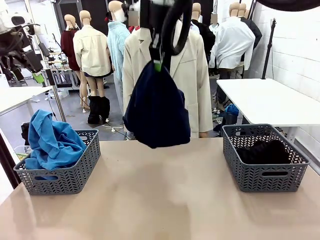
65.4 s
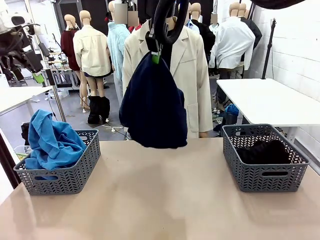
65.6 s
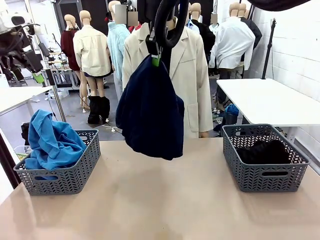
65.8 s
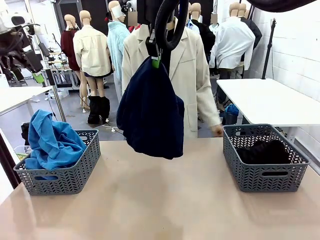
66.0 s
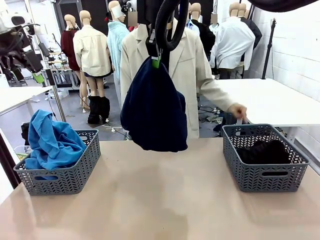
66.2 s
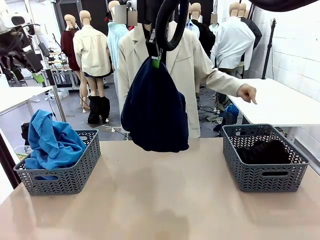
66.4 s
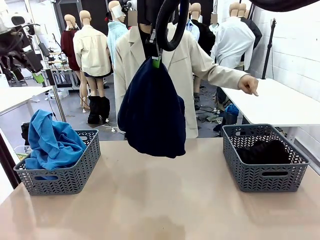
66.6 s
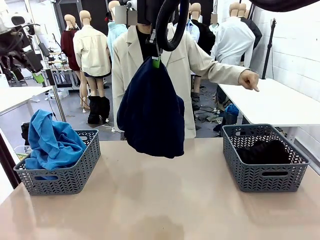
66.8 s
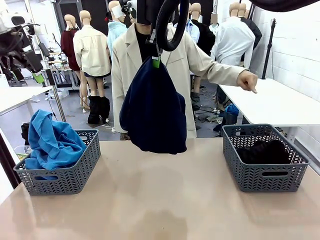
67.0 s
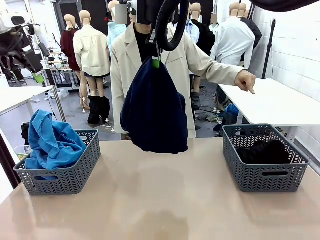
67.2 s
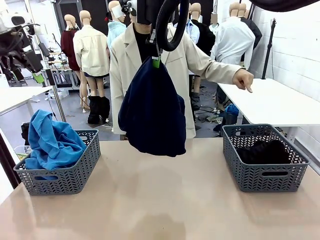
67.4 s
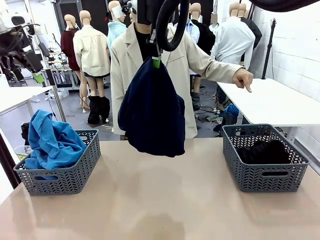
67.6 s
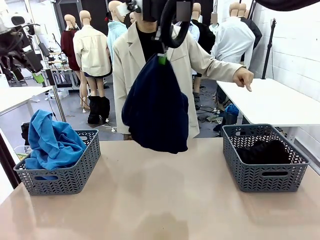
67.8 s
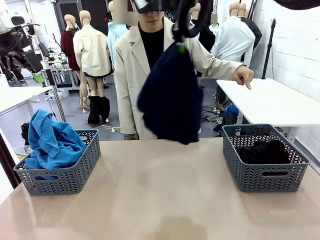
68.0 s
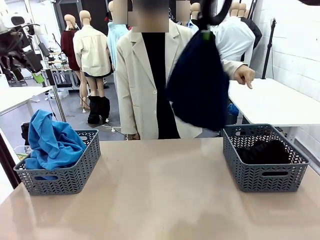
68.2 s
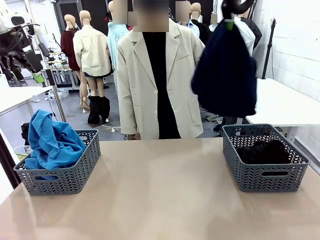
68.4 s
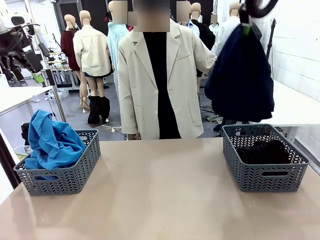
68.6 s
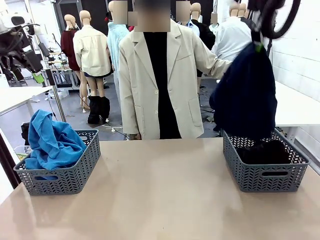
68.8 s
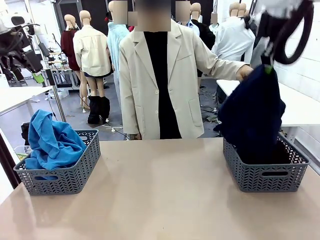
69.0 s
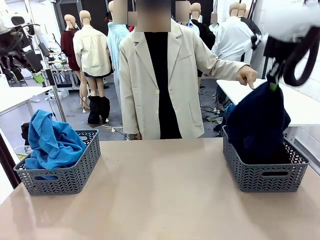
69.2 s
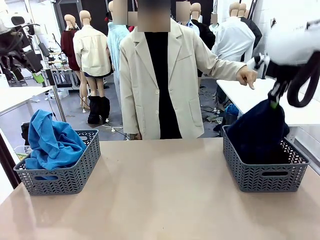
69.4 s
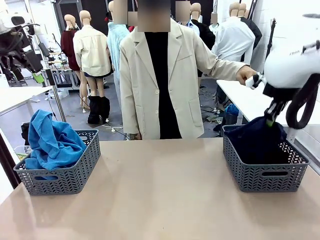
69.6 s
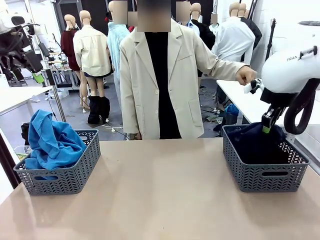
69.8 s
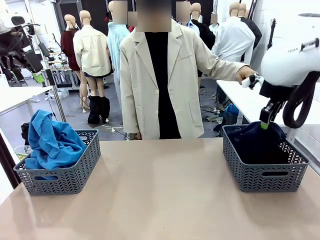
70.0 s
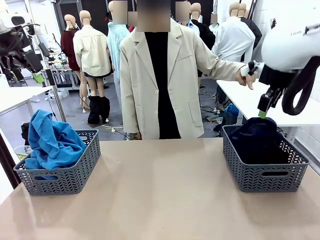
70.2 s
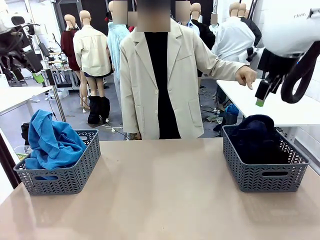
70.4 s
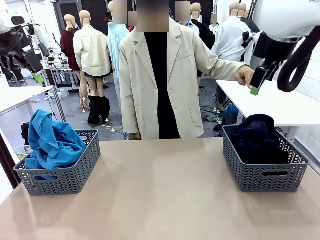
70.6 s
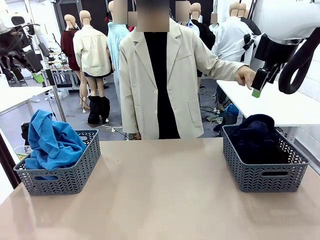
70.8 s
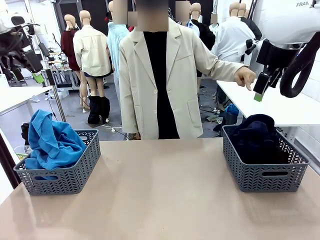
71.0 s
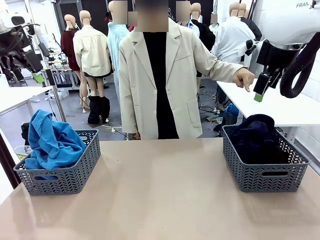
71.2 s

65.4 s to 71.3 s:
Task: Sort the tops and bottoms.
Robot: Sort the clothes according to human instructions.

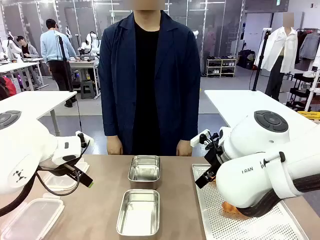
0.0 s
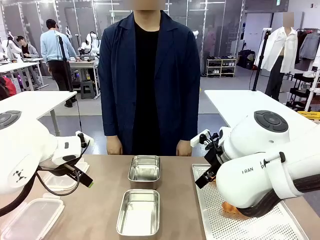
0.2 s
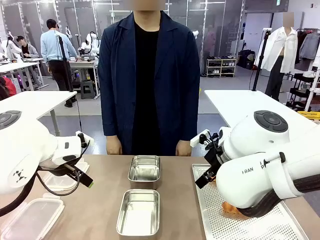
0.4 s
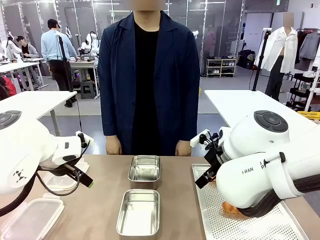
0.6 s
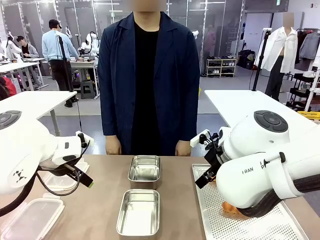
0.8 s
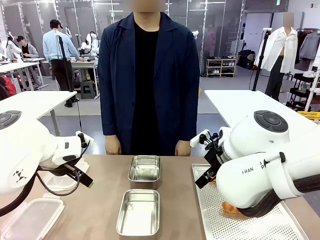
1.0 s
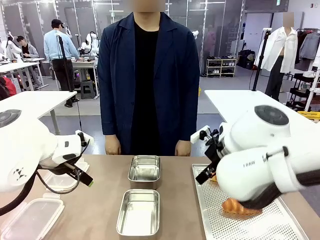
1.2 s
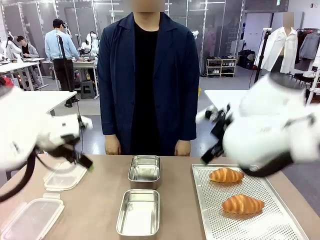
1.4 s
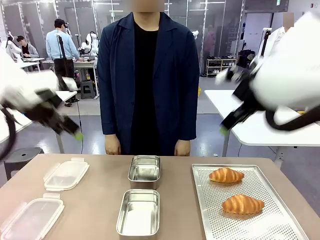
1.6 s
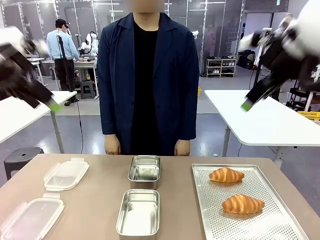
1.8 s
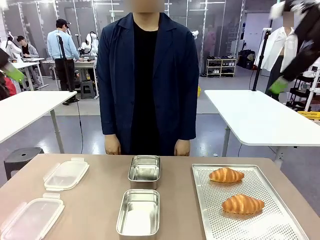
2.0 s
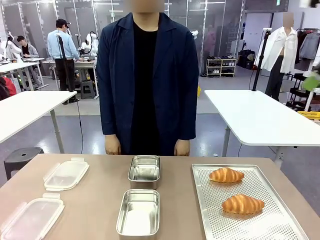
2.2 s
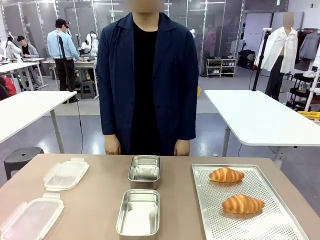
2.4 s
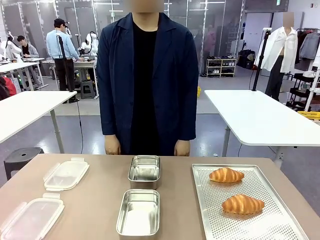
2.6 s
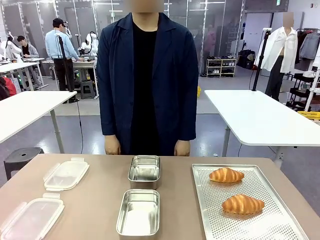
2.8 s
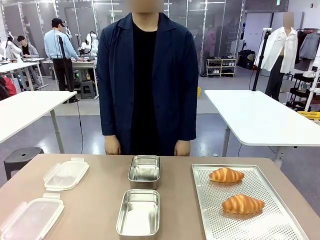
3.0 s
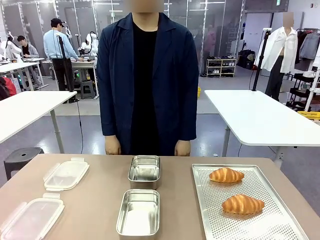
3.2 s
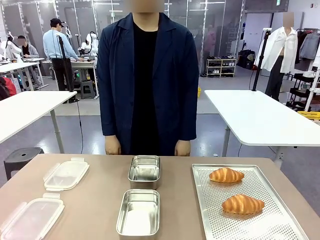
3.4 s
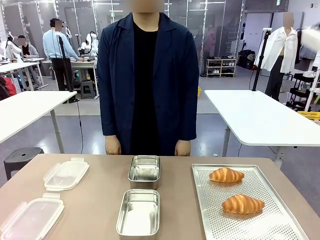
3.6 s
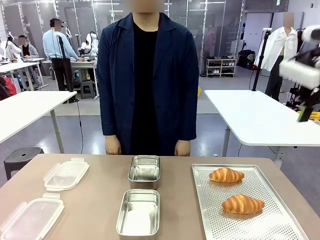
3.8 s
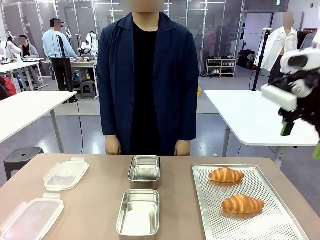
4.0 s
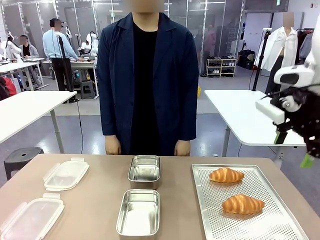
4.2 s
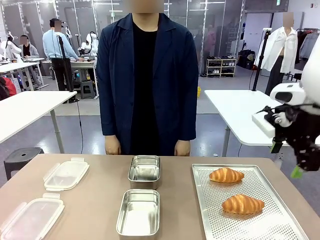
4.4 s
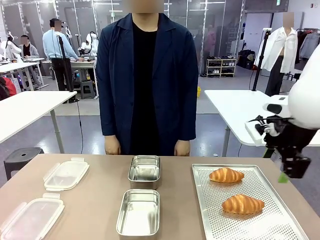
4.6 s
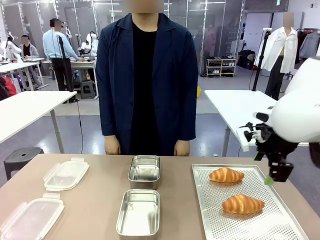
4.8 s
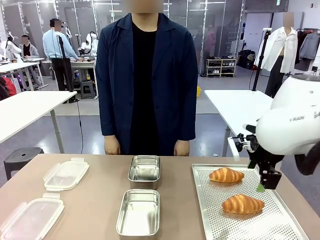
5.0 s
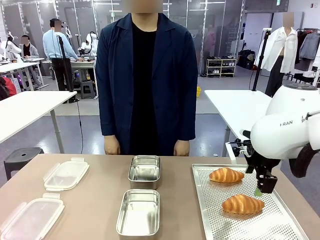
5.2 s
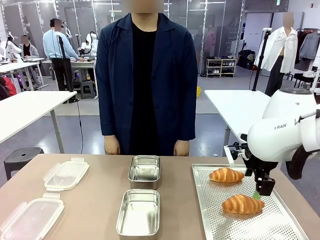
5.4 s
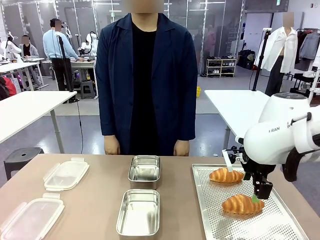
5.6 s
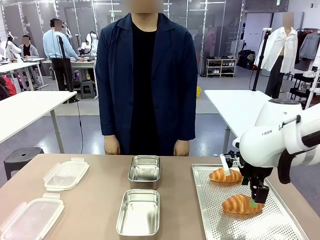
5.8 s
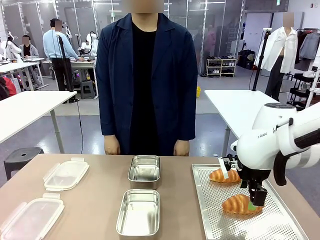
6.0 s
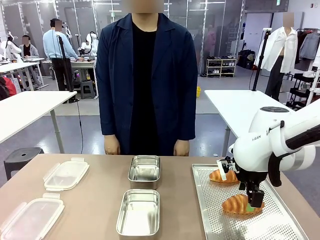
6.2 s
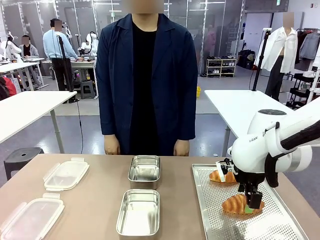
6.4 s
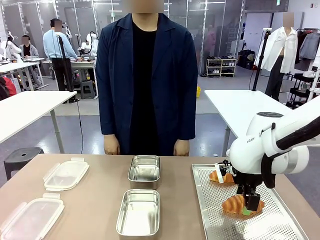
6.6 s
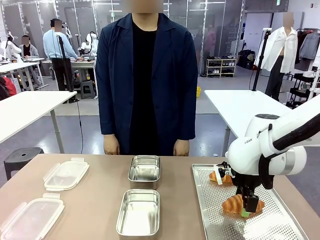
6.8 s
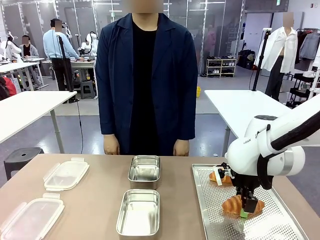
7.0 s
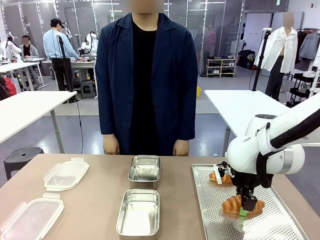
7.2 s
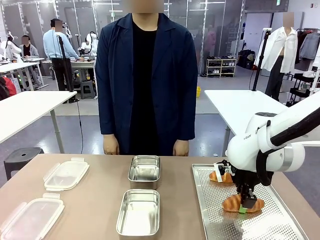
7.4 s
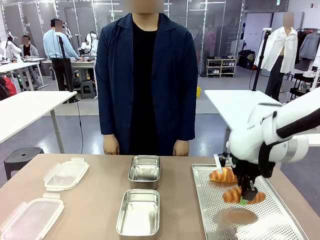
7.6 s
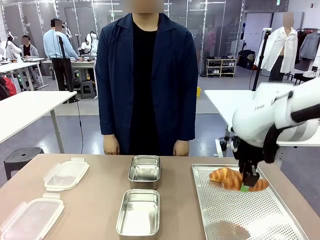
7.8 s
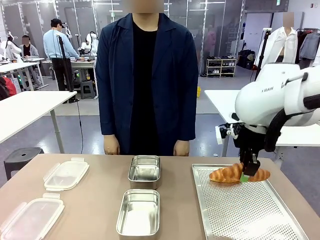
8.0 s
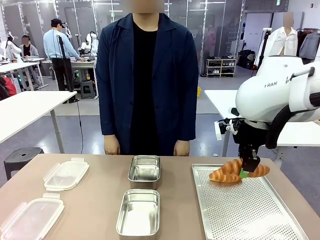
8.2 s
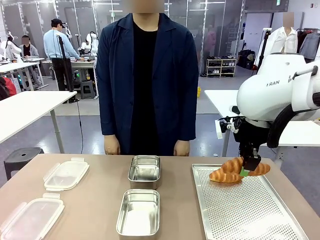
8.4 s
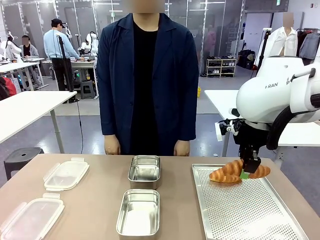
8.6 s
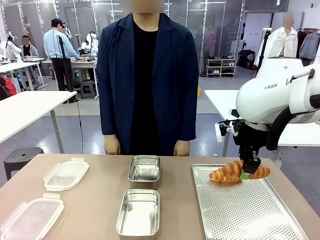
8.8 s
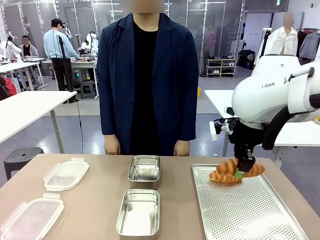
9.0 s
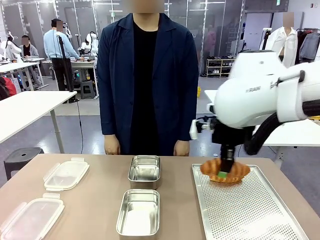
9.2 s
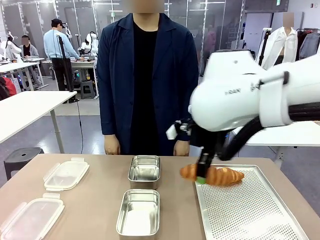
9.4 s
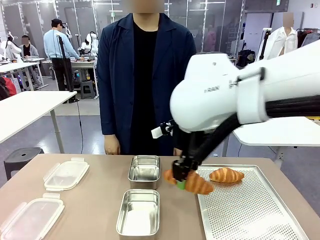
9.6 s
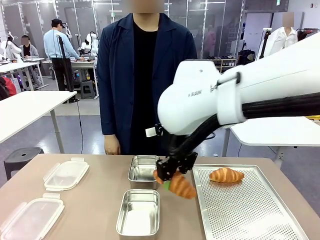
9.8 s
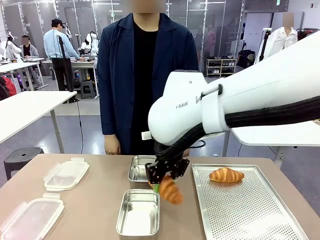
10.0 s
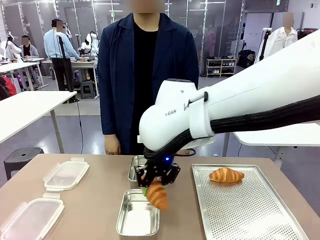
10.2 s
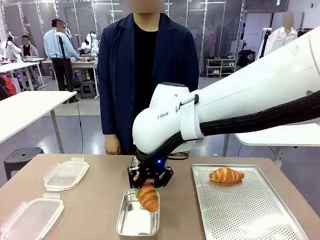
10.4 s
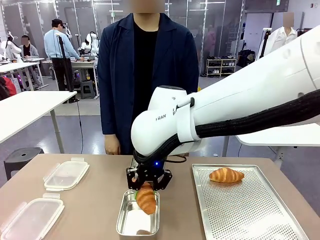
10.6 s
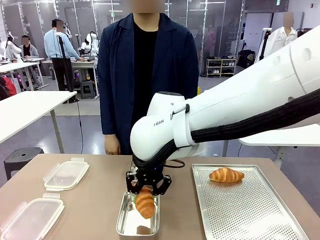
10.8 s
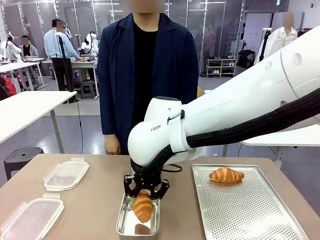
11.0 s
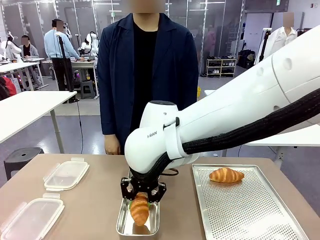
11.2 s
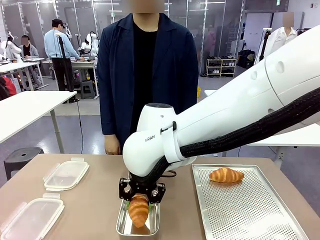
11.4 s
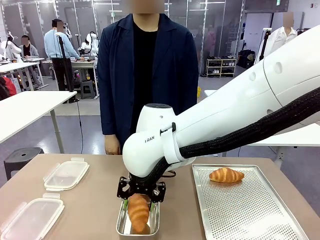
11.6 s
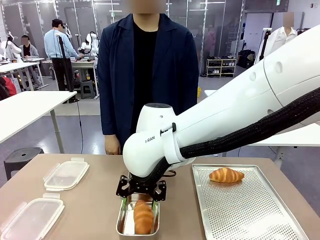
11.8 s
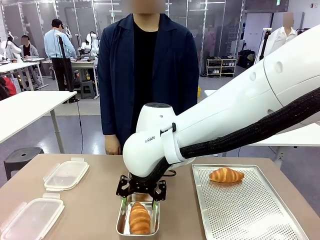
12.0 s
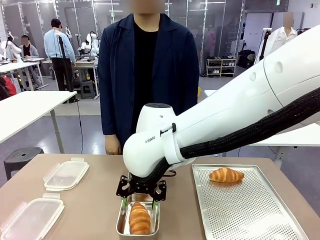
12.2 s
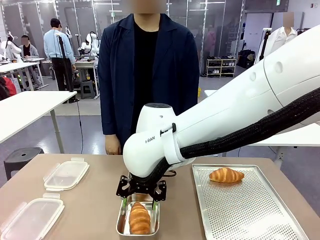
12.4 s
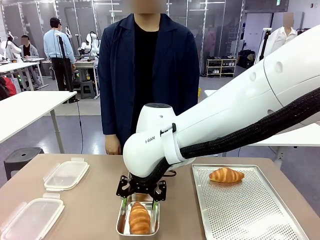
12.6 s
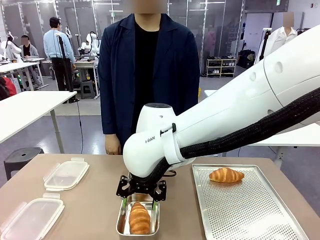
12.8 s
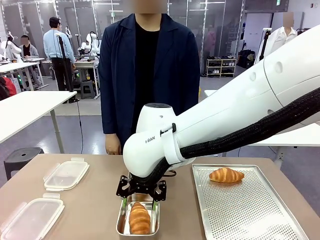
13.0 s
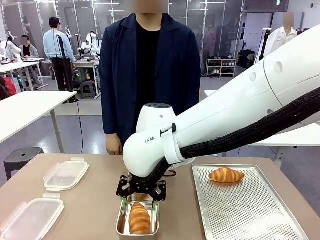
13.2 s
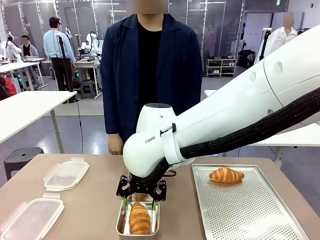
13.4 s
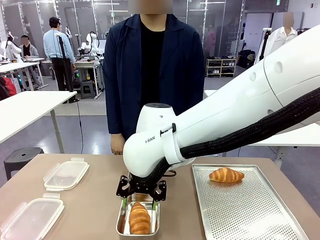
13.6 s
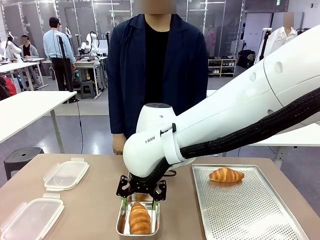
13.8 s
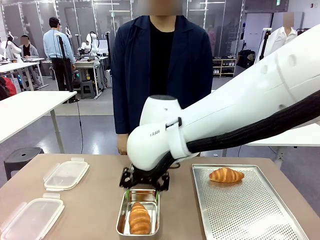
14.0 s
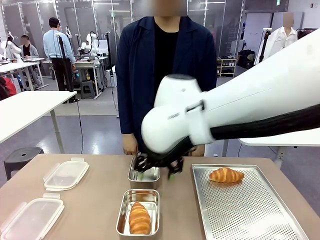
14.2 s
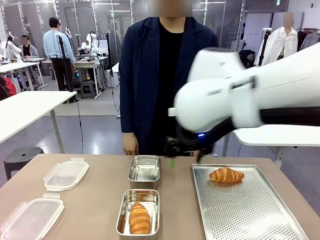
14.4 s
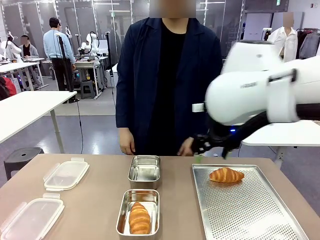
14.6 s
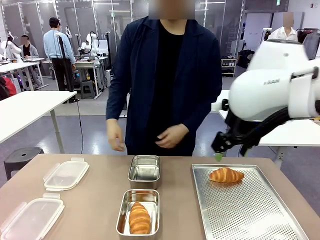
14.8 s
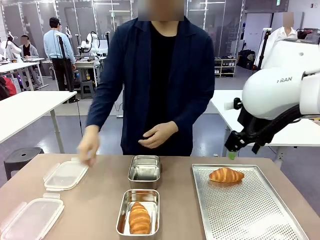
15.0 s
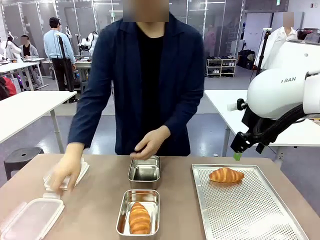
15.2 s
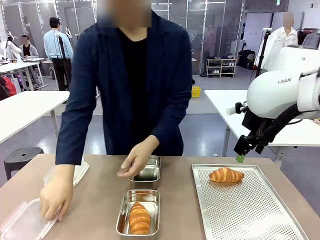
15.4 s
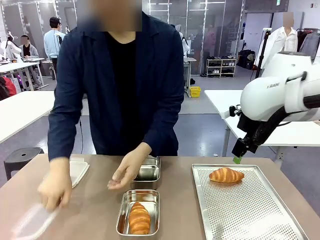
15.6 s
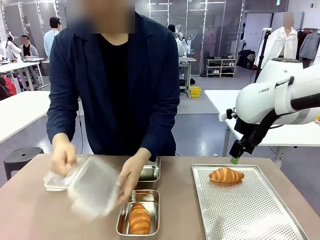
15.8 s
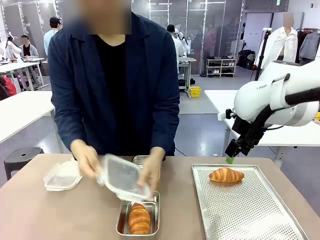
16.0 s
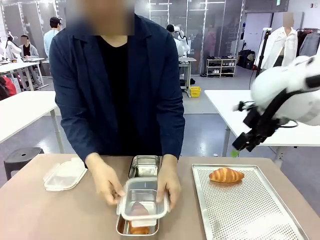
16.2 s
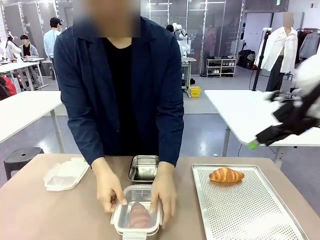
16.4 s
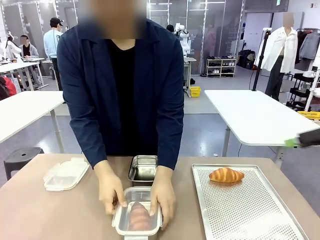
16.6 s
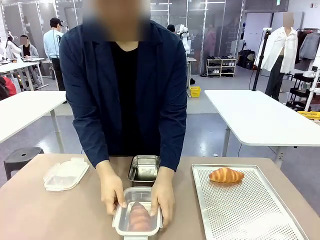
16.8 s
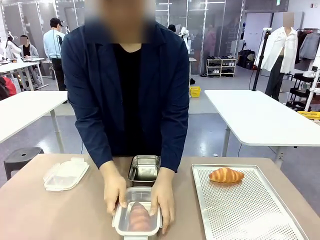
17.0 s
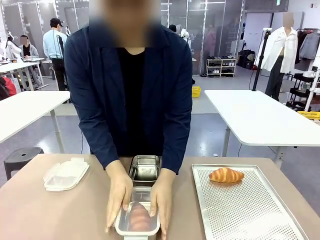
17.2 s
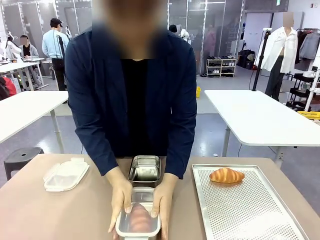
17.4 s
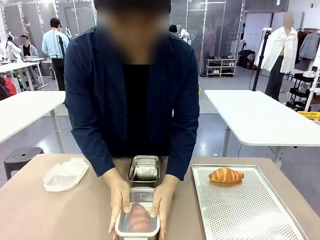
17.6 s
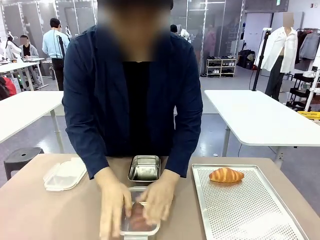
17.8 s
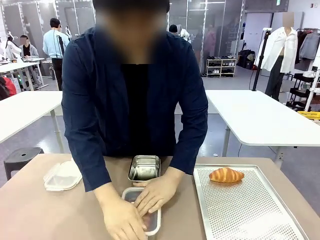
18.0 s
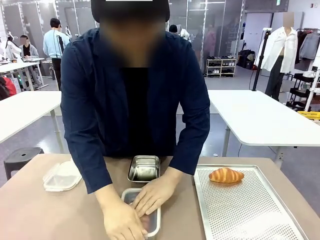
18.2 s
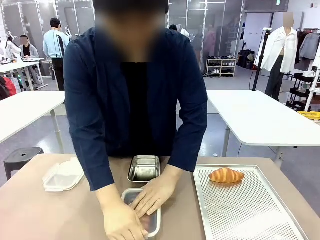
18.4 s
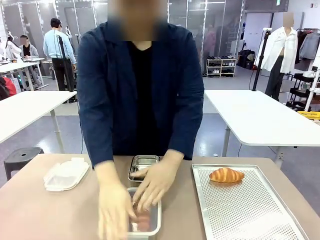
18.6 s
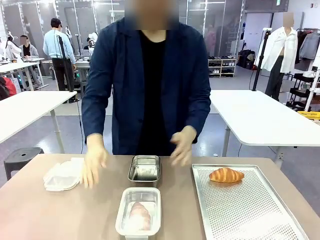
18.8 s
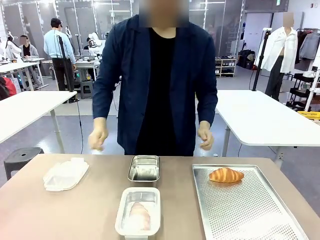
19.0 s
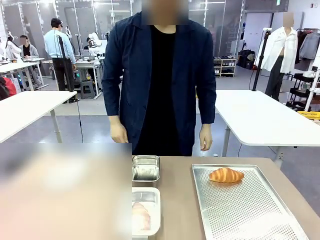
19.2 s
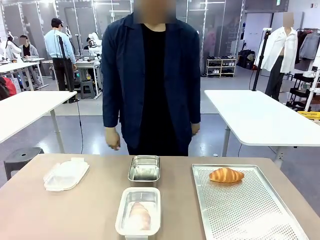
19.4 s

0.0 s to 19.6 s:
Task: Place the bread into the airtight container.
Robot: Pick up a Butter Roll and place it into an empty Airtight Container.
